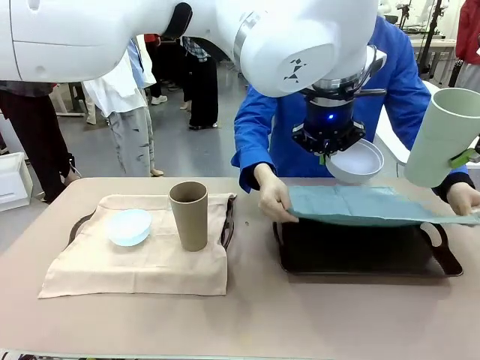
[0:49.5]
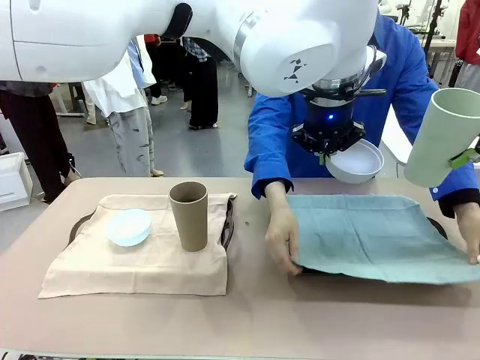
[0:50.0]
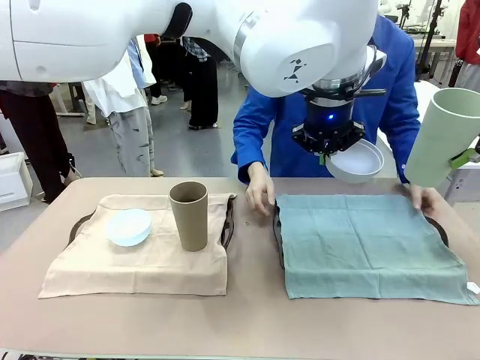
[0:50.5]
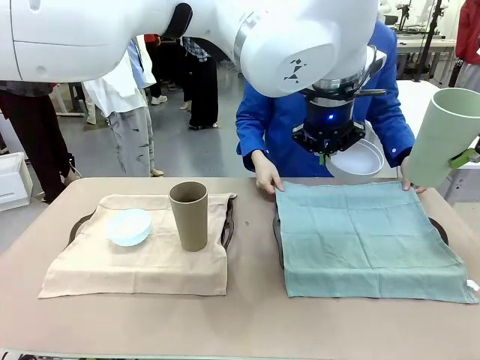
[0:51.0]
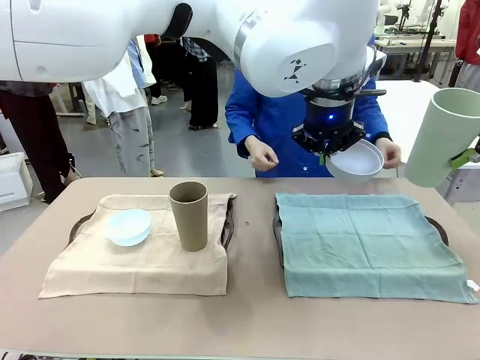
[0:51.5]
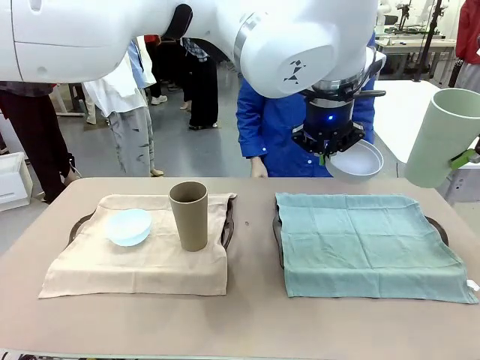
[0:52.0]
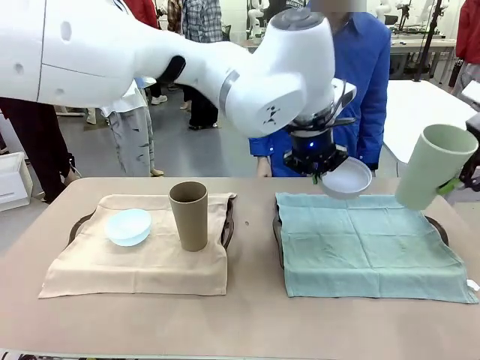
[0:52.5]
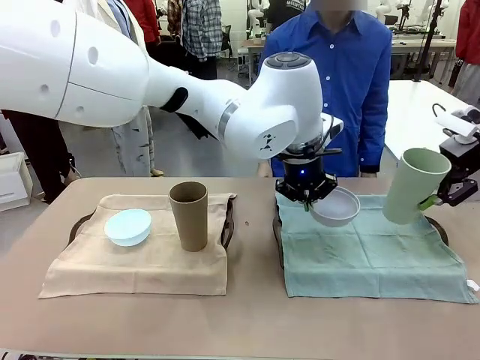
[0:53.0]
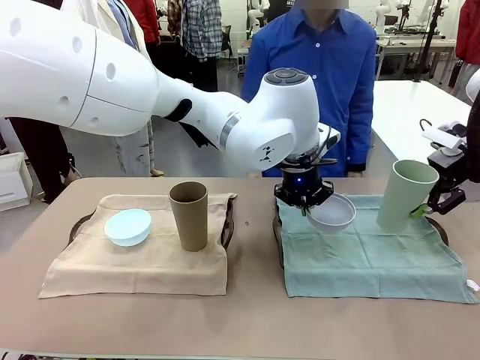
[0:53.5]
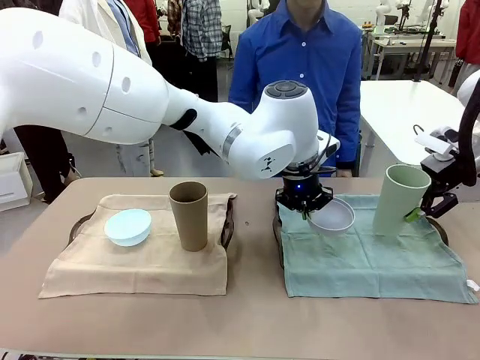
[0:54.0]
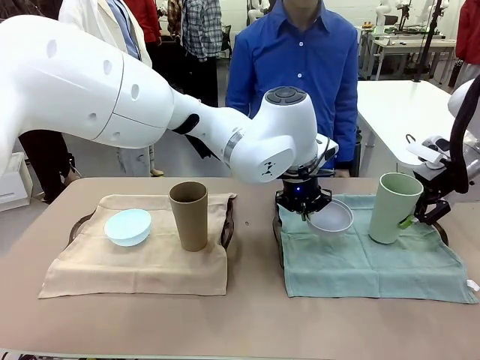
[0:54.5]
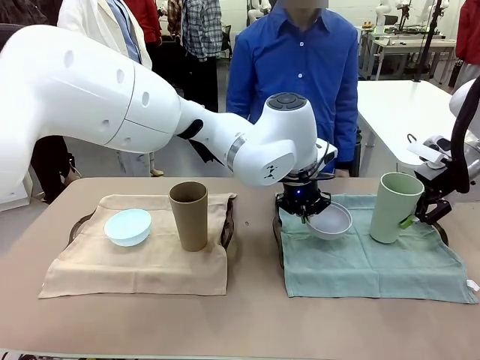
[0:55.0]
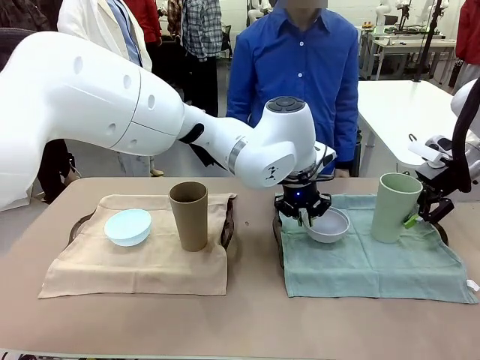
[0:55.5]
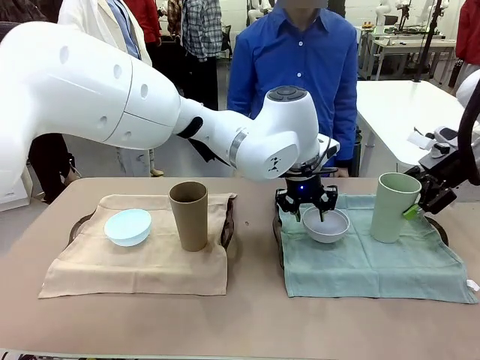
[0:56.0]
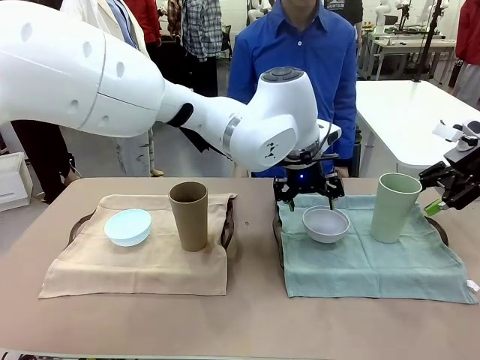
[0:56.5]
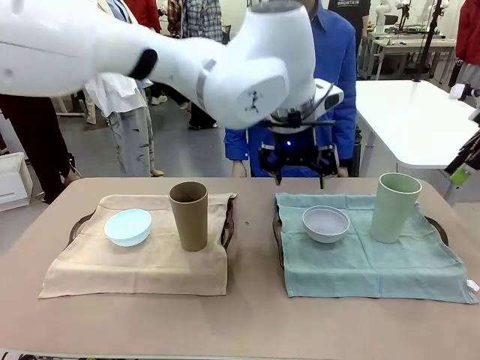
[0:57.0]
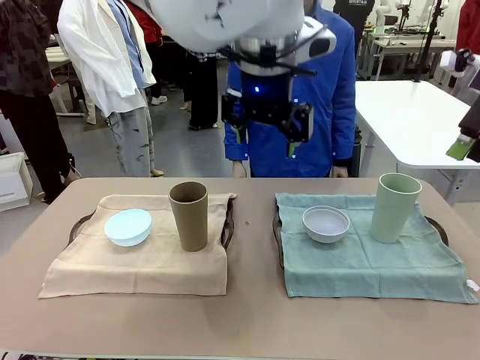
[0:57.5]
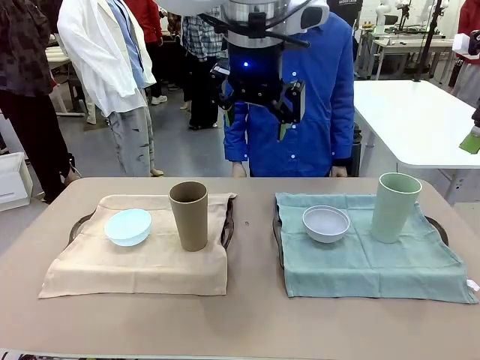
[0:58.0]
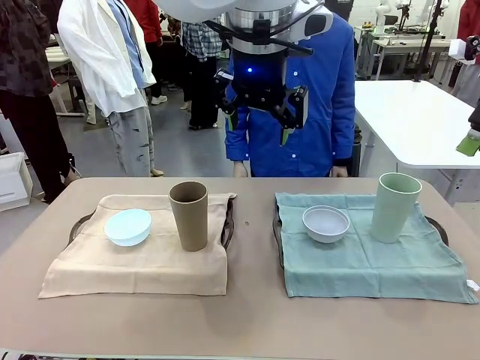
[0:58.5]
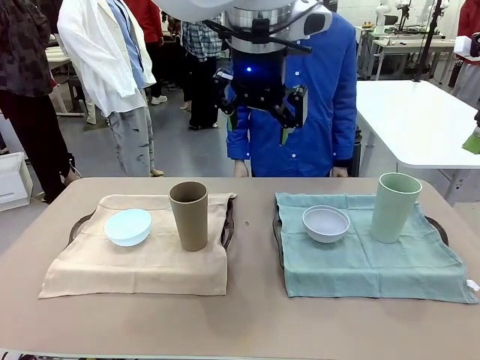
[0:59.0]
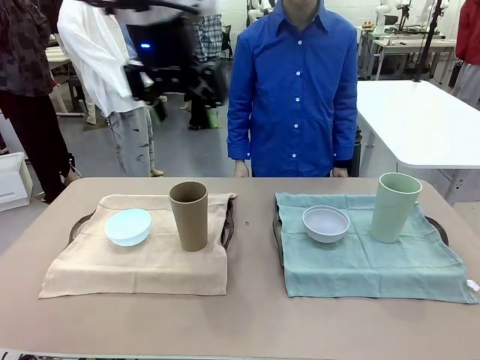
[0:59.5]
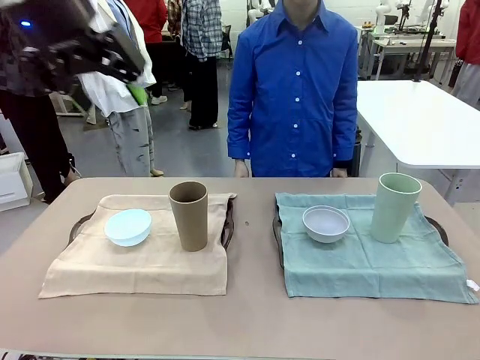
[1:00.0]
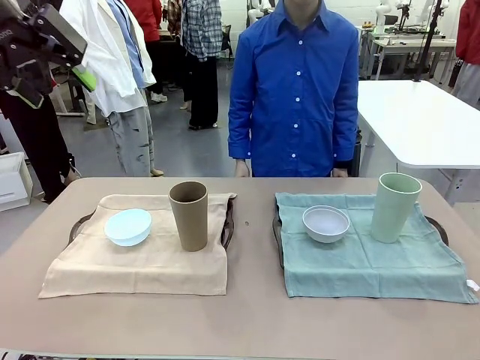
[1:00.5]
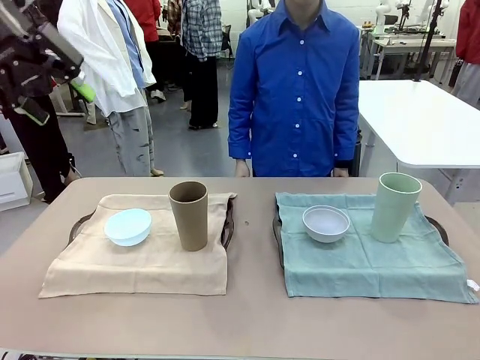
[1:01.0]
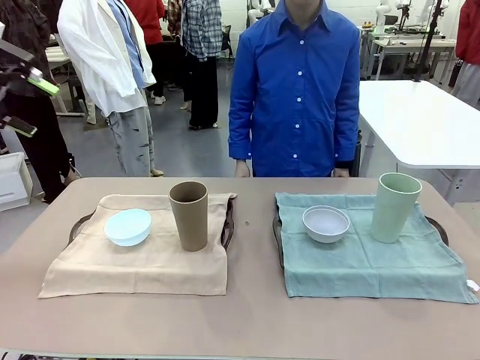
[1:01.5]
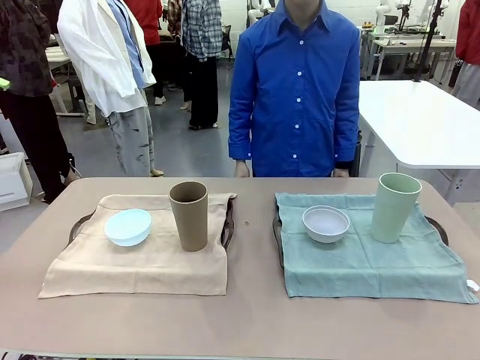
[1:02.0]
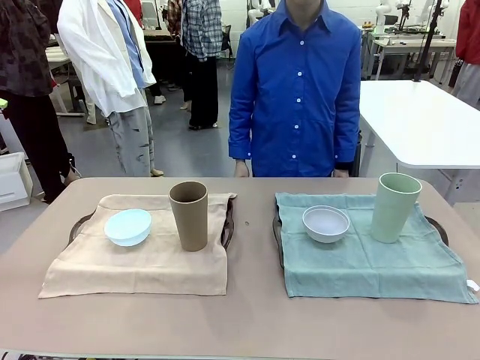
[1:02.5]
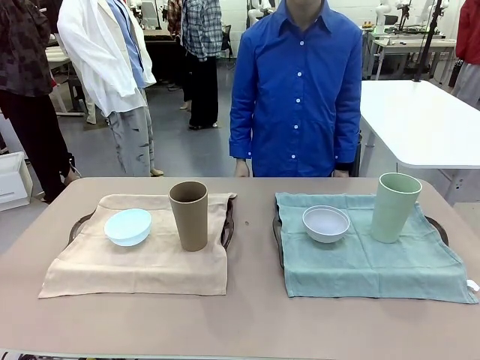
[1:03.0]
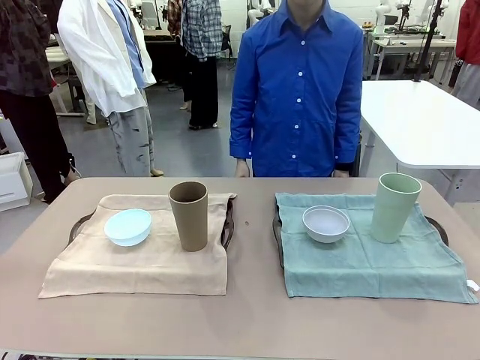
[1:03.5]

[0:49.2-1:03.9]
Robot: Place the Picnic Bowl and Reusable plastic cup back onto the Handle tray in front of the human's position.
Person: When the robot lifts the bowl and the cup, the human unfolds the napkin and lays the napkin flat on the tray.
